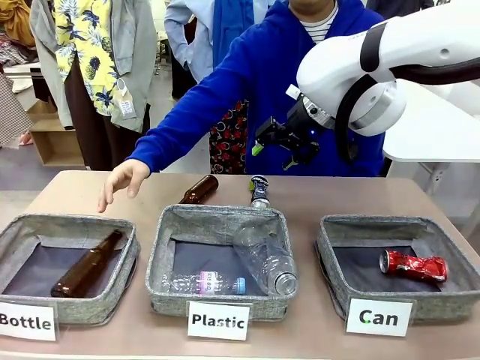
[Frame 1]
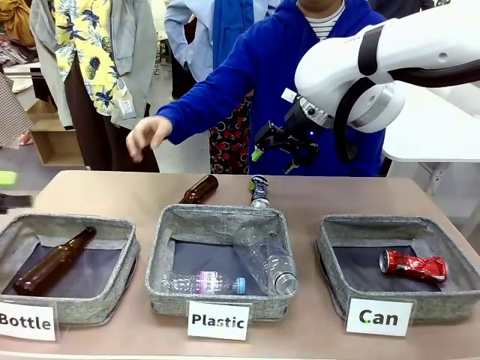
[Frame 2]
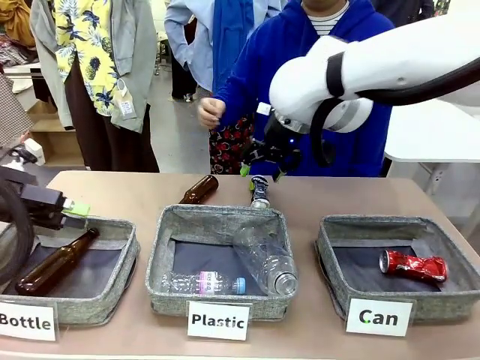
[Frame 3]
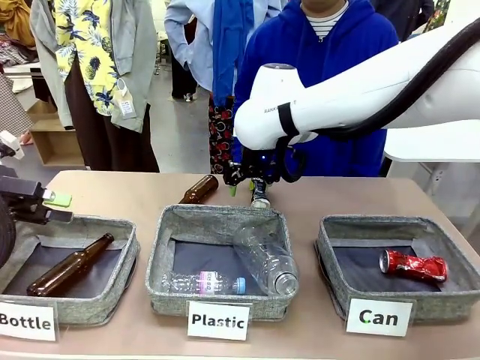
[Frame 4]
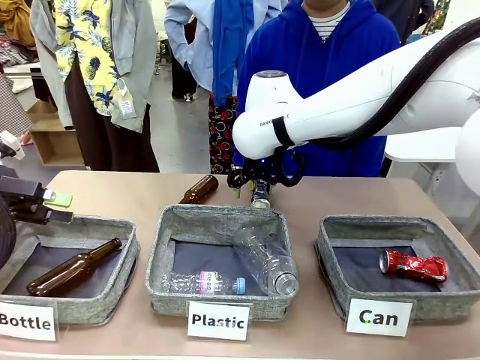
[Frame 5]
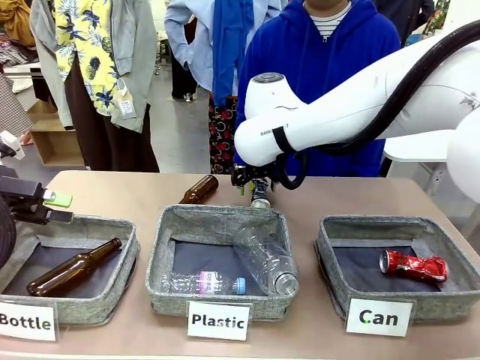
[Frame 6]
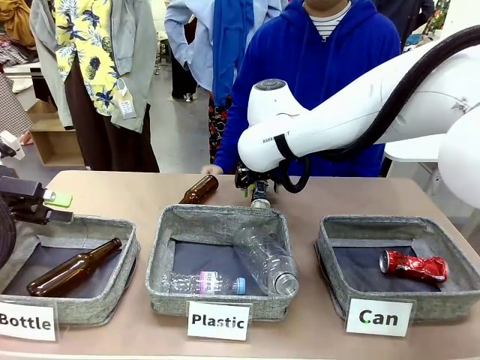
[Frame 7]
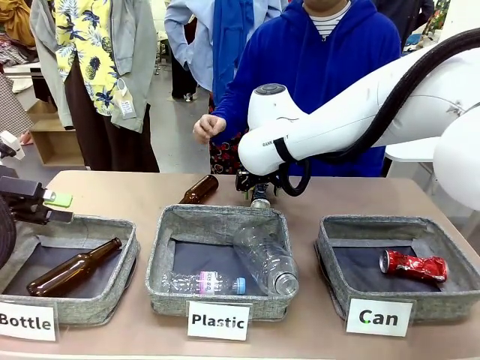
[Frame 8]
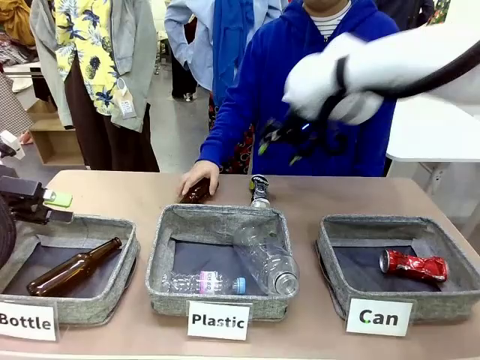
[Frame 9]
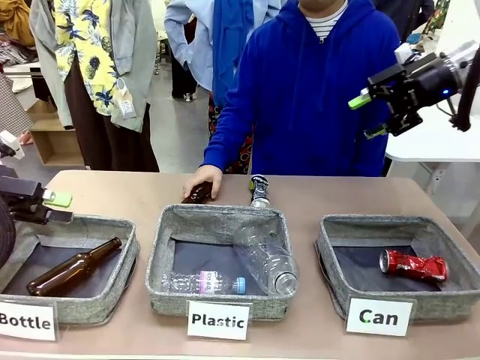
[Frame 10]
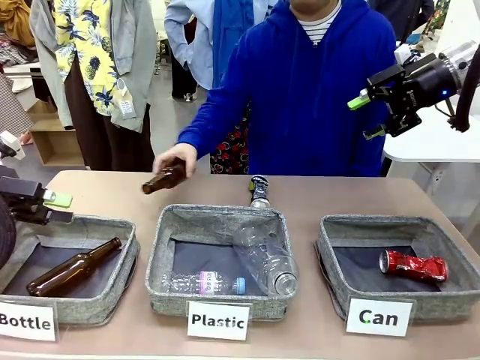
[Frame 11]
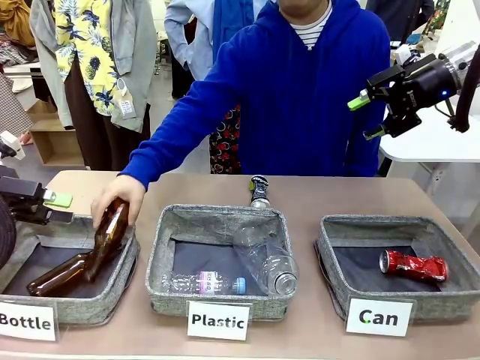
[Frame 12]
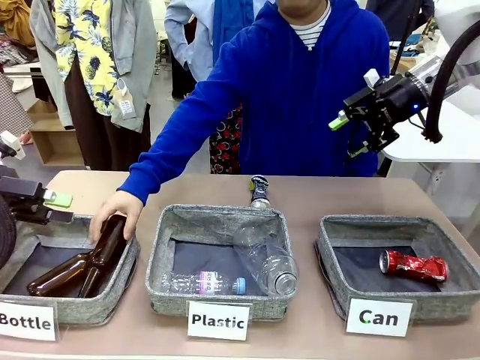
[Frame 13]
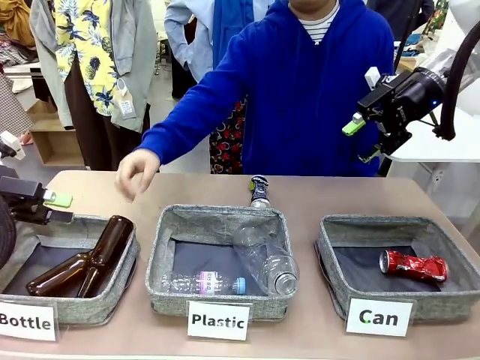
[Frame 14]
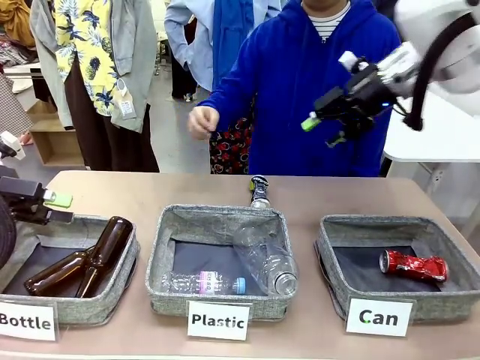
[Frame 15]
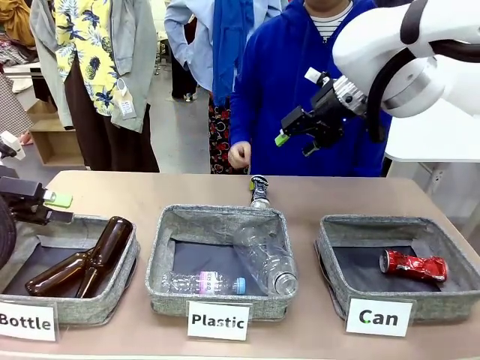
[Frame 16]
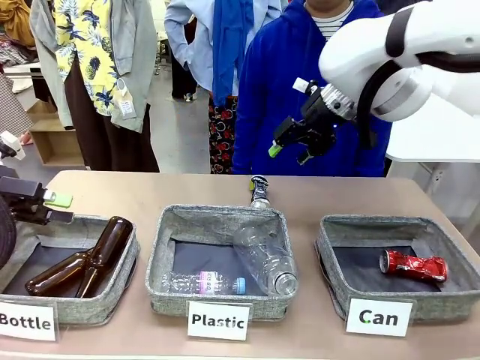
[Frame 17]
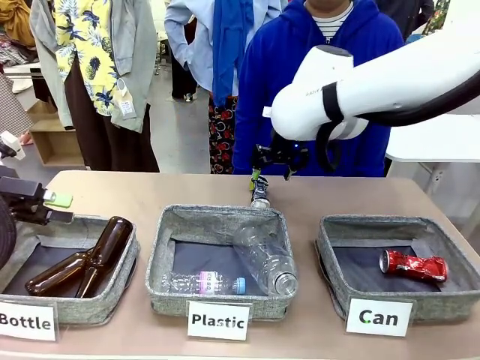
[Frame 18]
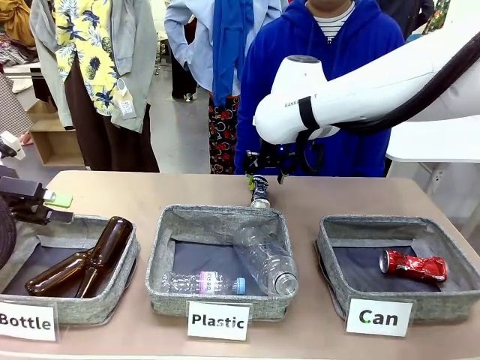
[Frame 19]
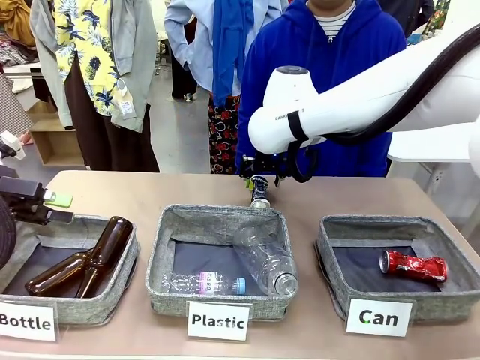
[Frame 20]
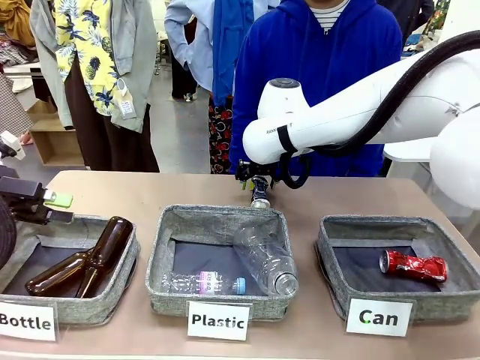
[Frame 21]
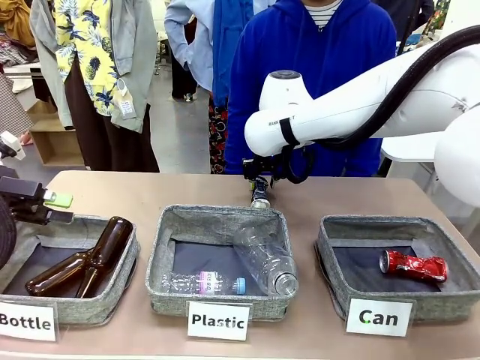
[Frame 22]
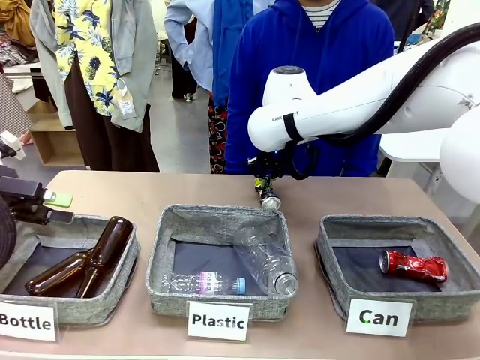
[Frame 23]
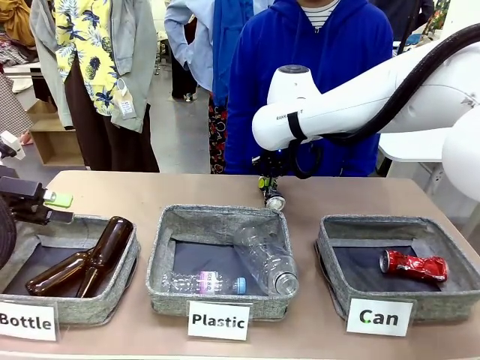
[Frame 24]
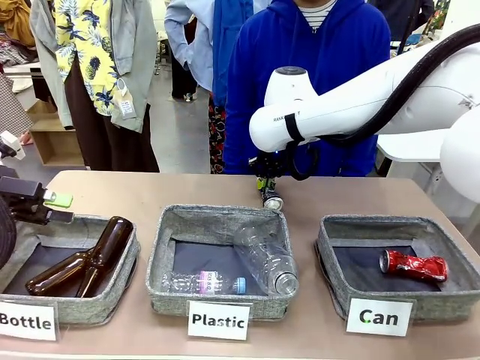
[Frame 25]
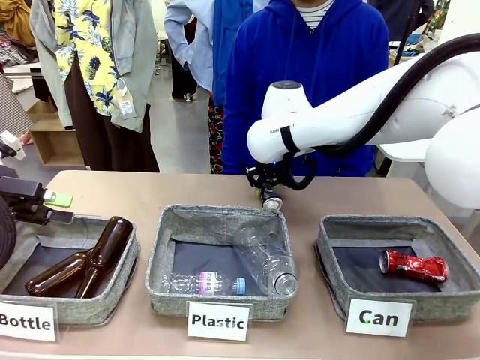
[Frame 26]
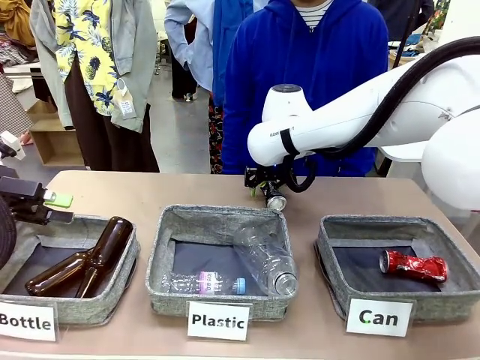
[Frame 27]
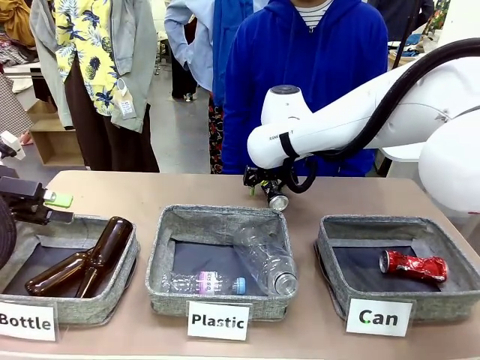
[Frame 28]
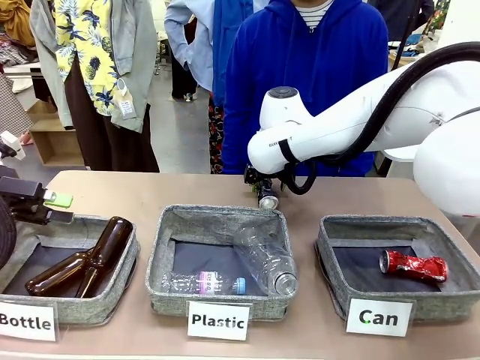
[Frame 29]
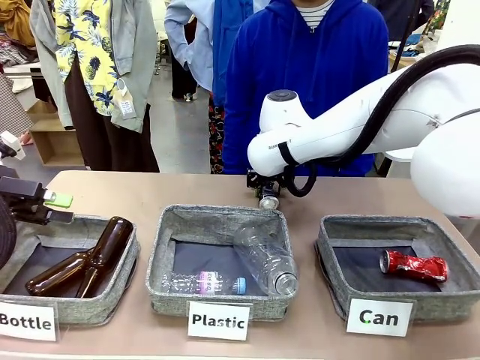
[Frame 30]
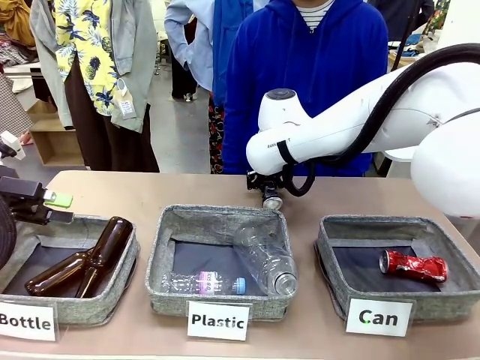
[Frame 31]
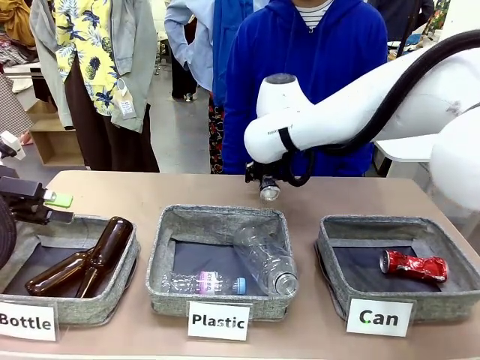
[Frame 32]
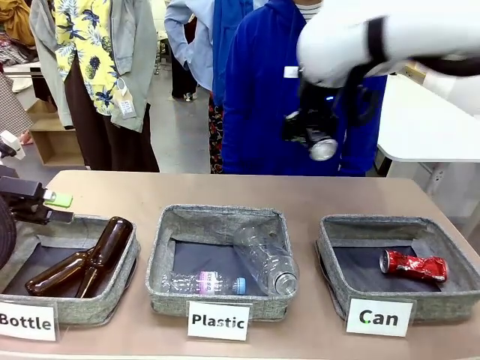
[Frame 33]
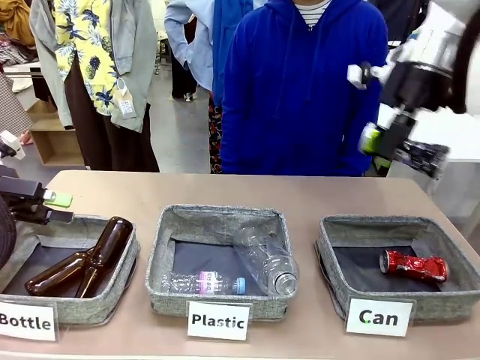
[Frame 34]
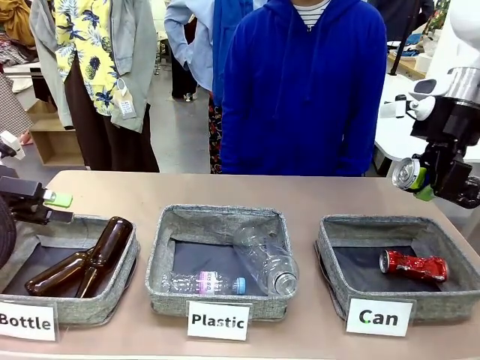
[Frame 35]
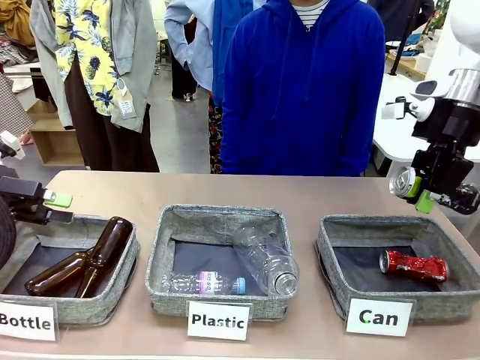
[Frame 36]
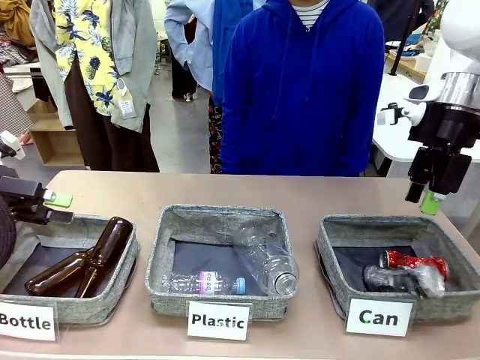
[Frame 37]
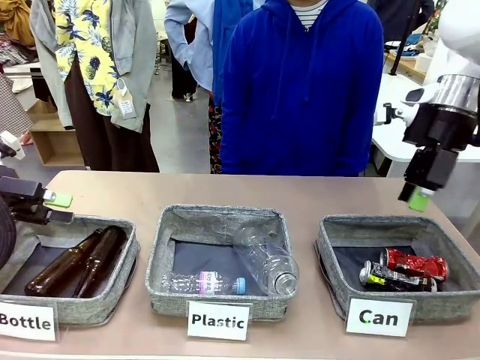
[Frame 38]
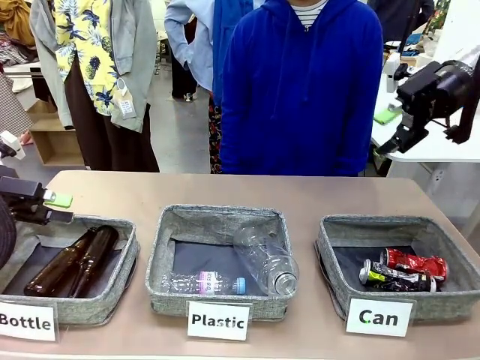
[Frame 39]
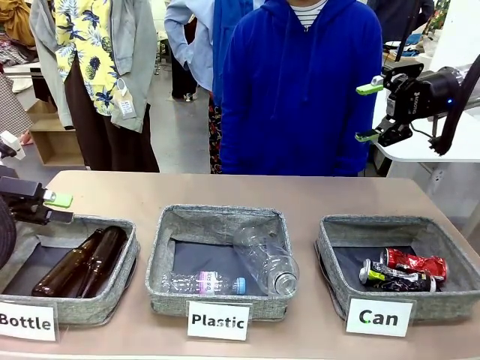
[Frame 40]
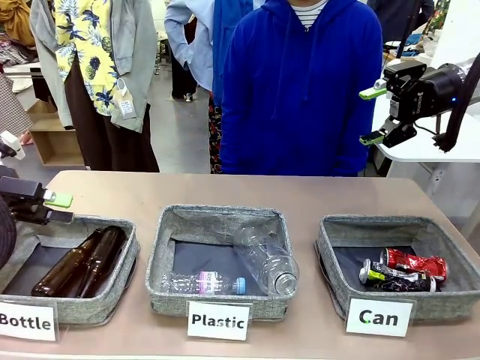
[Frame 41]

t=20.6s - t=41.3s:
Task: Sort the can waste into the basket.
Robot: Pick up the can waste from the table and place it in the right Fabric basket.
Person: The human picks up one piece of trash that is not a can and places the trash into the appropriate organizing basket.

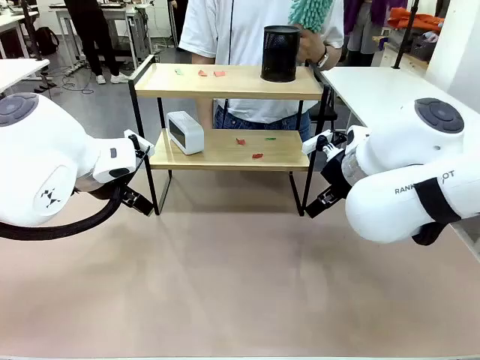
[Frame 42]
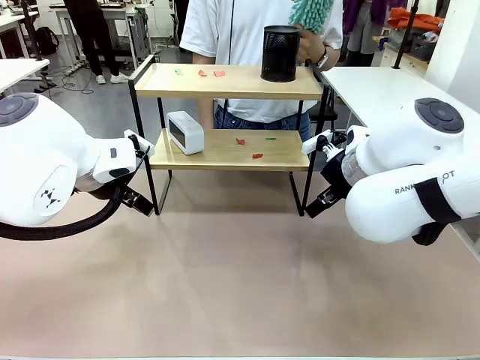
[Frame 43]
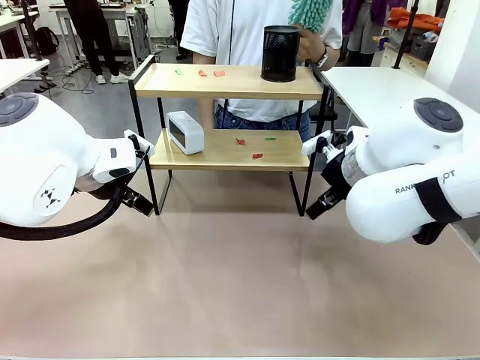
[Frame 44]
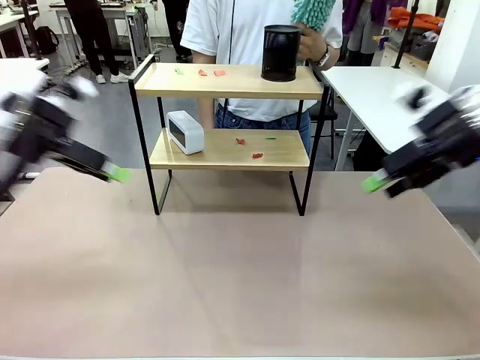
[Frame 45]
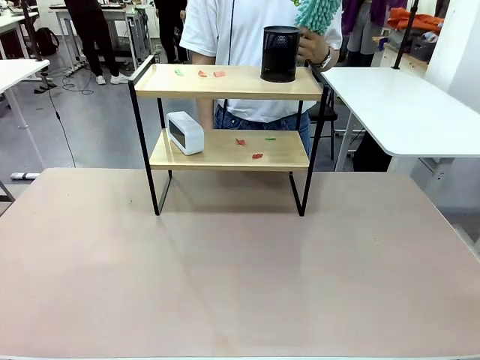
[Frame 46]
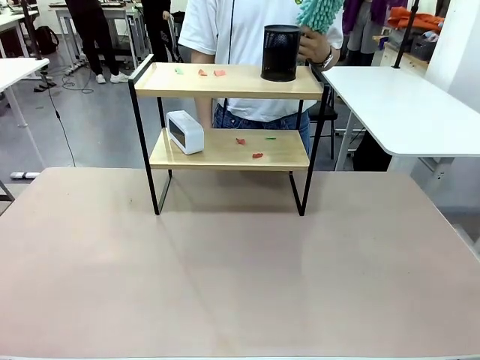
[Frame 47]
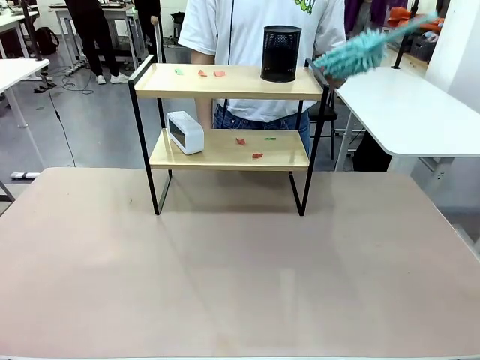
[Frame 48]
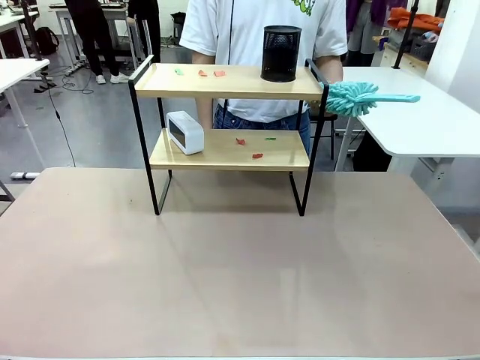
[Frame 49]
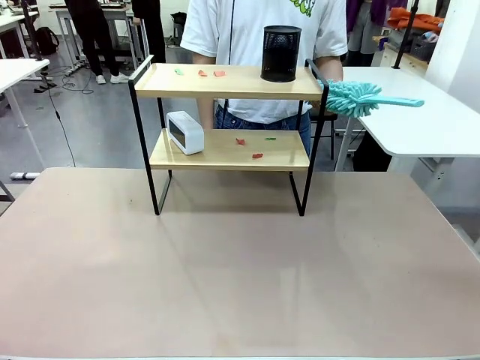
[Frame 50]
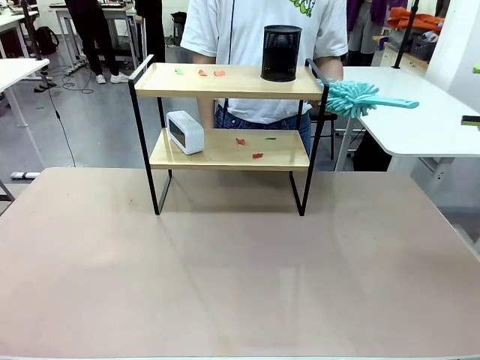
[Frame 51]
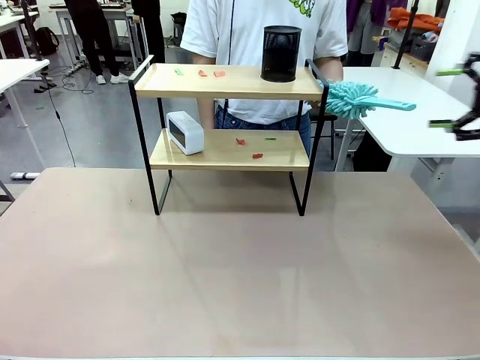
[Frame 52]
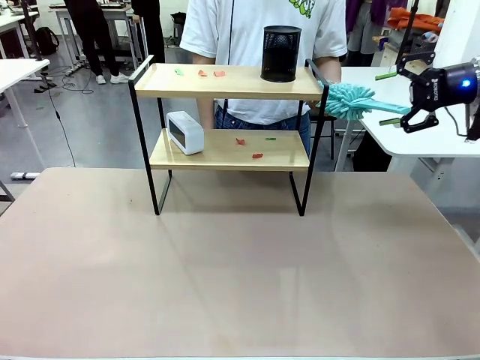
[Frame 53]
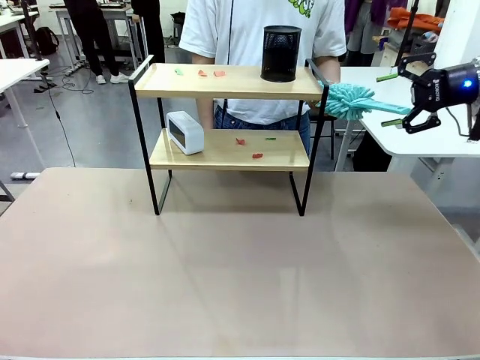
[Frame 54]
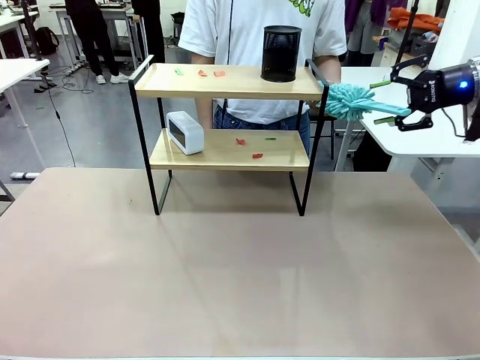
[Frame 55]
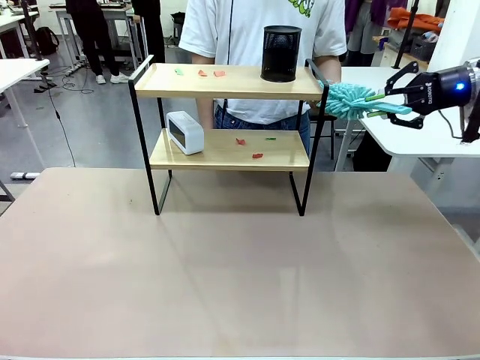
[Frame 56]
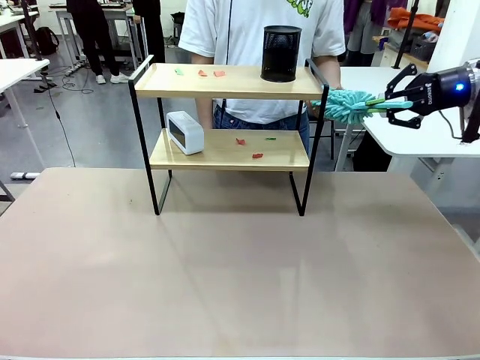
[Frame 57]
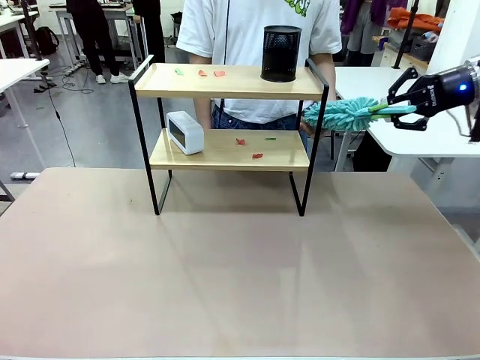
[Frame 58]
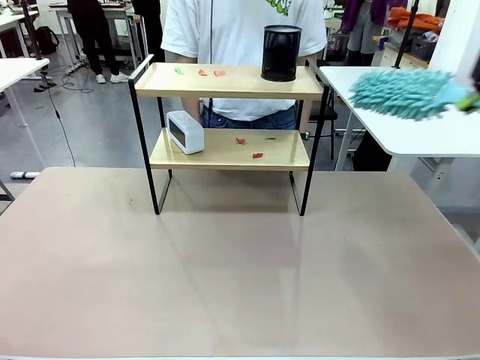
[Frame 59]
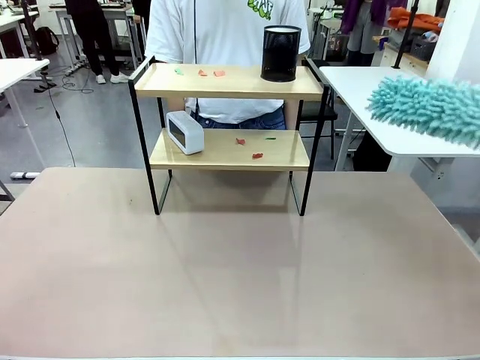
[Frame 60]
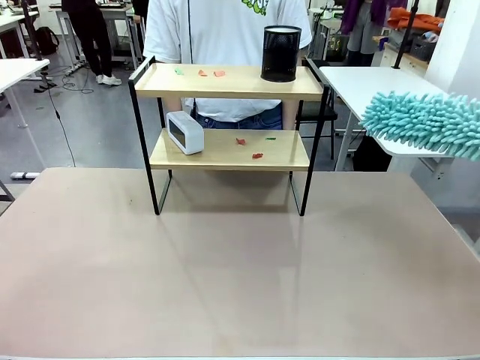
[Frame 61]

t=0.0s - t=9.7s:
Task: Clean the shelf.
Robot: Pick up the Duster from the human.
Person: Hand the Duster to the robot.
